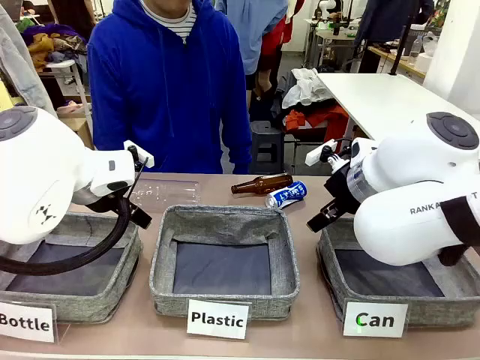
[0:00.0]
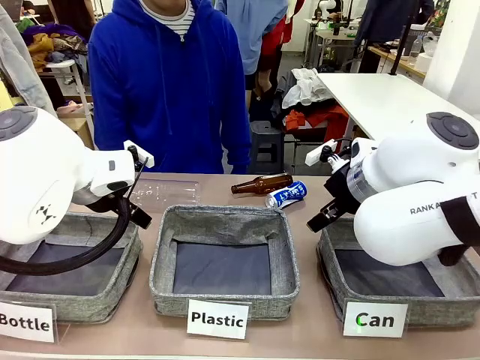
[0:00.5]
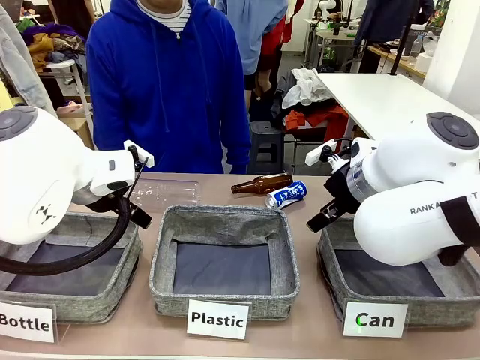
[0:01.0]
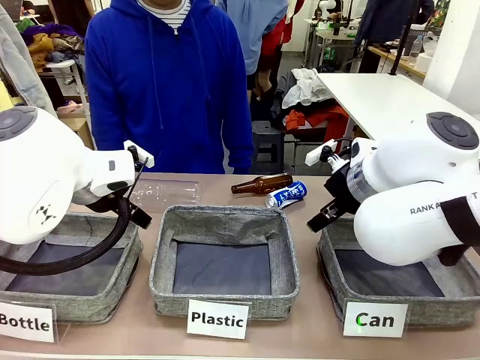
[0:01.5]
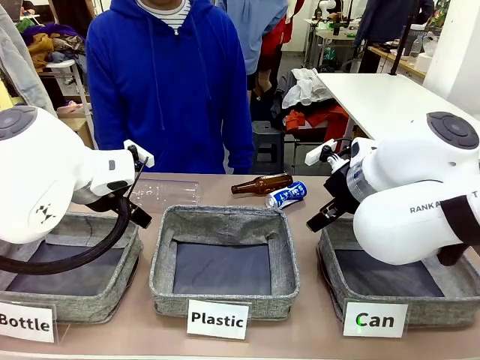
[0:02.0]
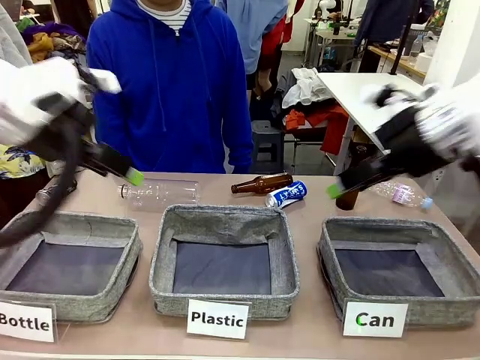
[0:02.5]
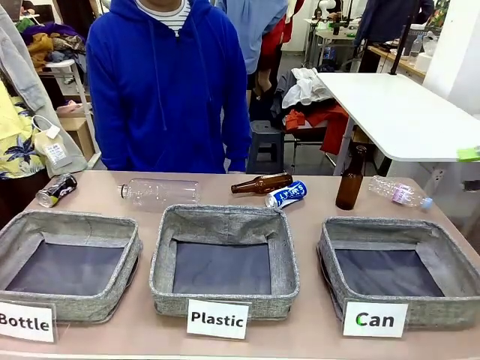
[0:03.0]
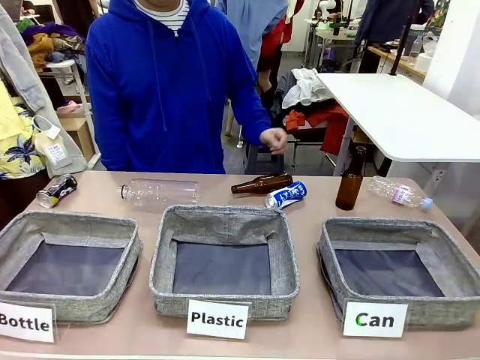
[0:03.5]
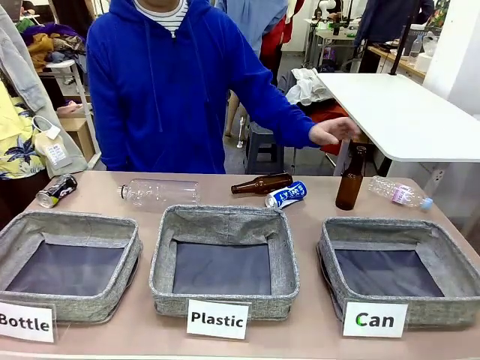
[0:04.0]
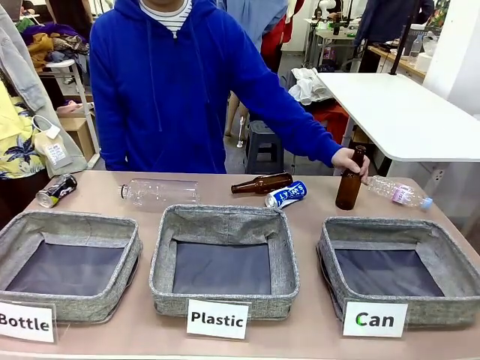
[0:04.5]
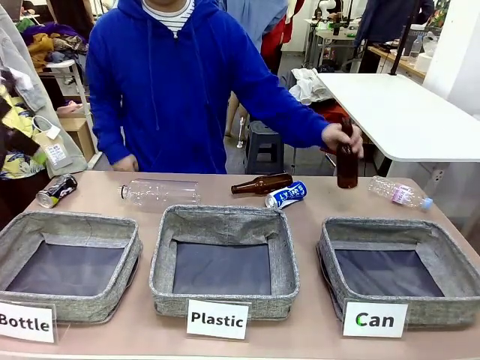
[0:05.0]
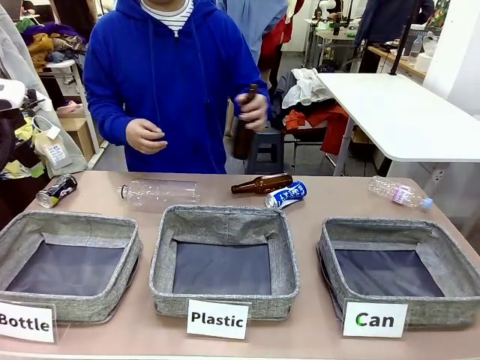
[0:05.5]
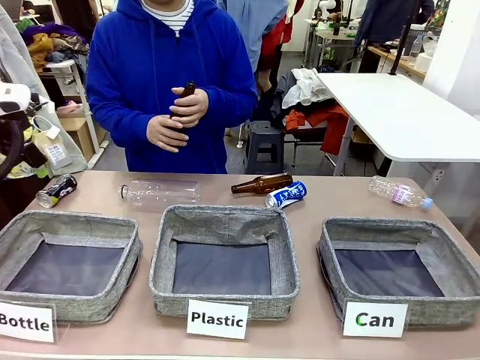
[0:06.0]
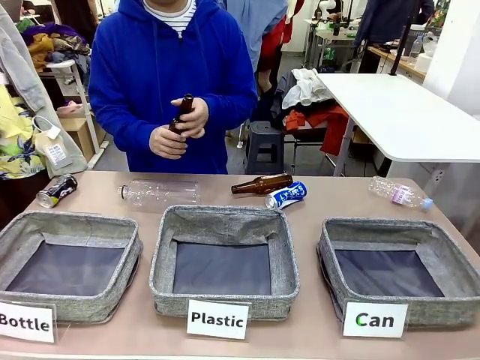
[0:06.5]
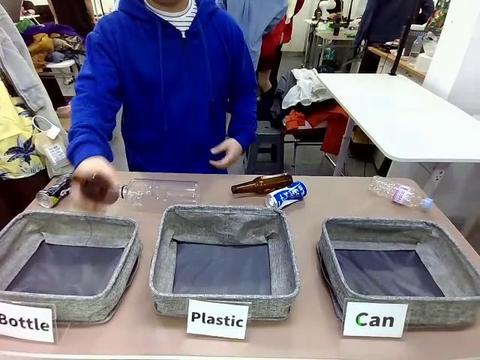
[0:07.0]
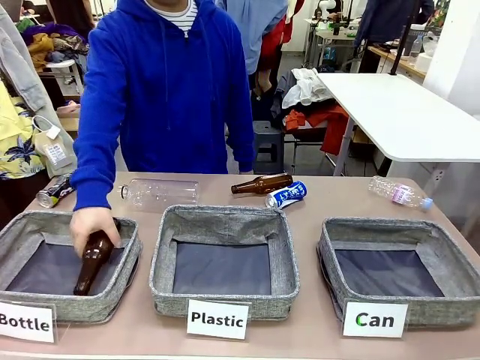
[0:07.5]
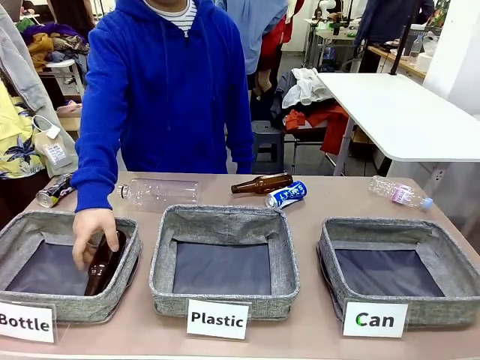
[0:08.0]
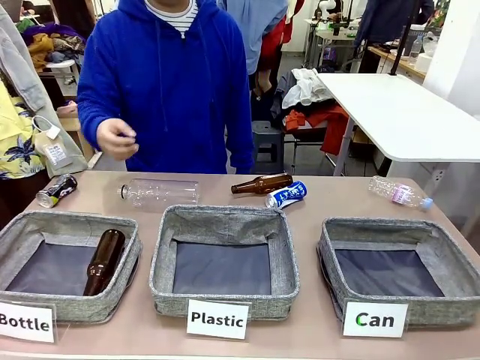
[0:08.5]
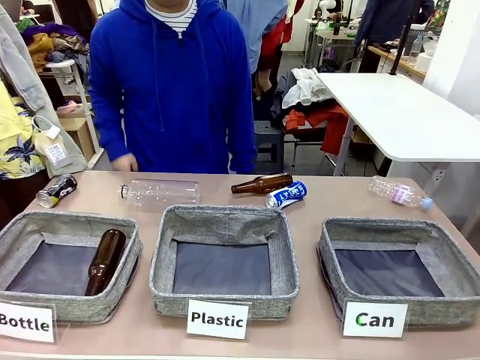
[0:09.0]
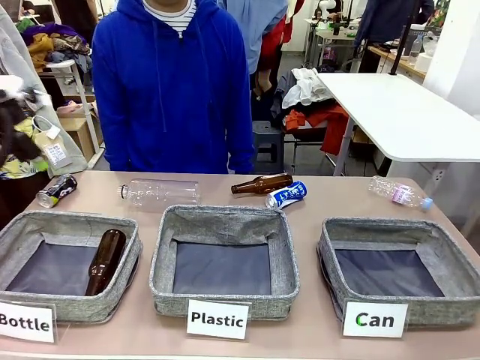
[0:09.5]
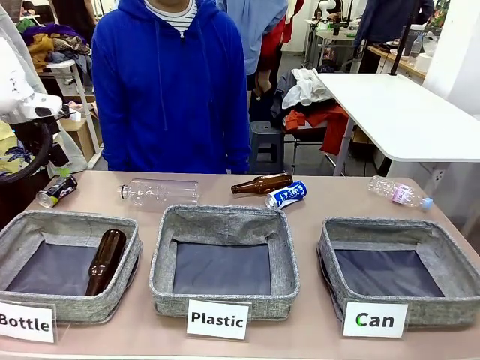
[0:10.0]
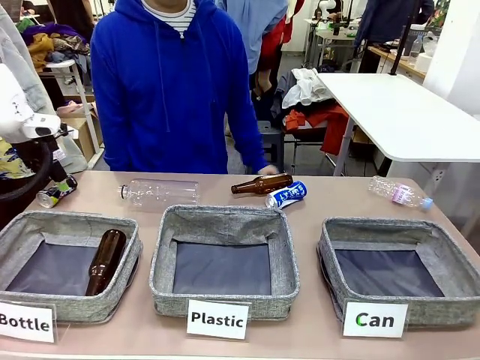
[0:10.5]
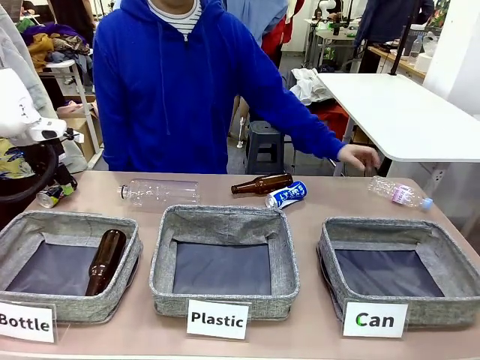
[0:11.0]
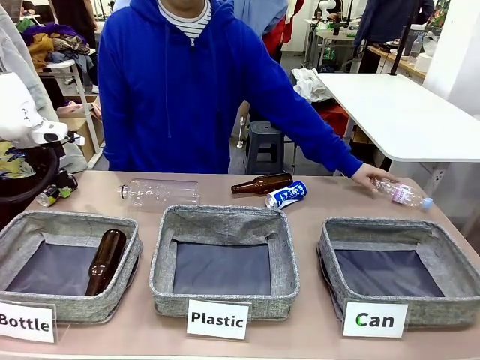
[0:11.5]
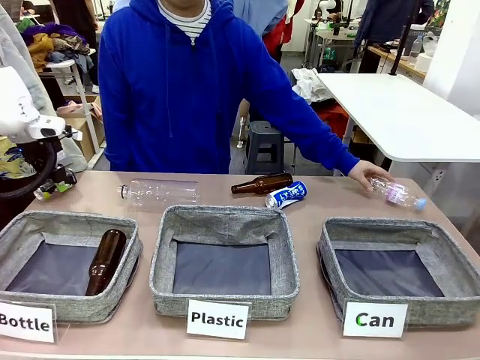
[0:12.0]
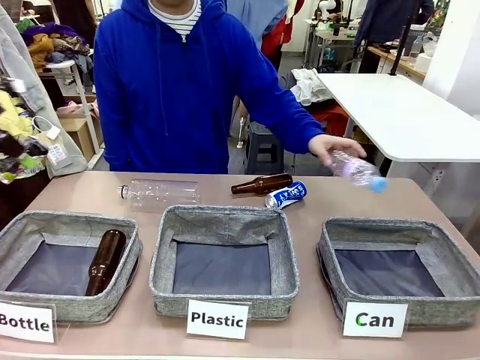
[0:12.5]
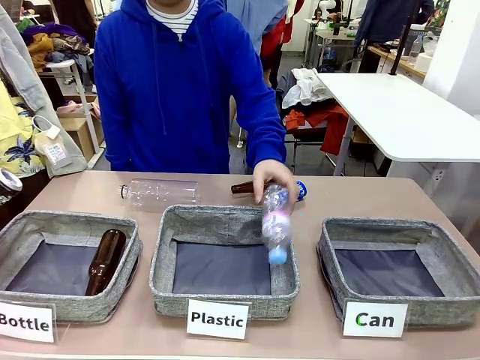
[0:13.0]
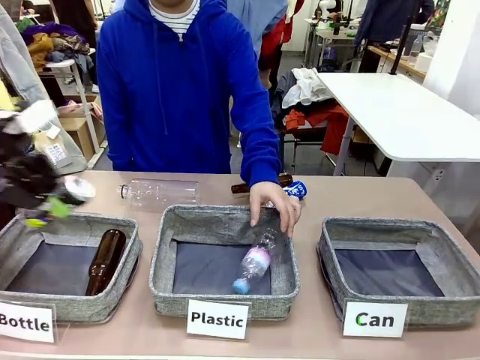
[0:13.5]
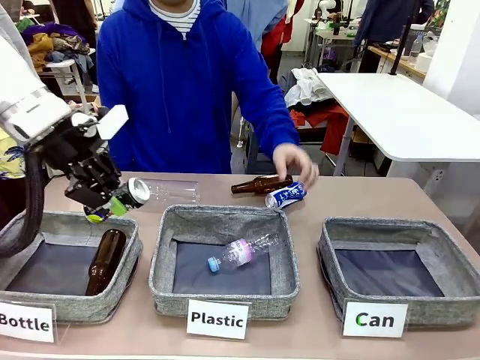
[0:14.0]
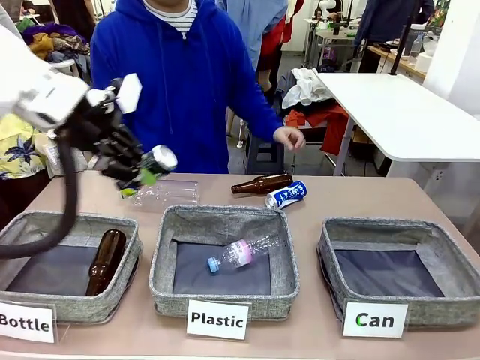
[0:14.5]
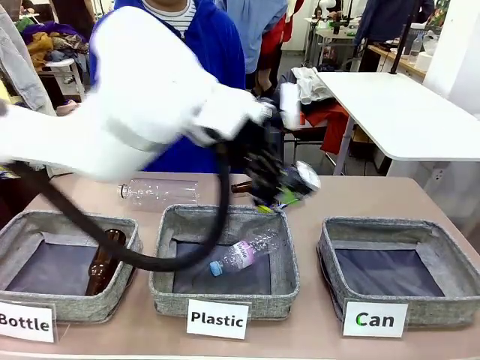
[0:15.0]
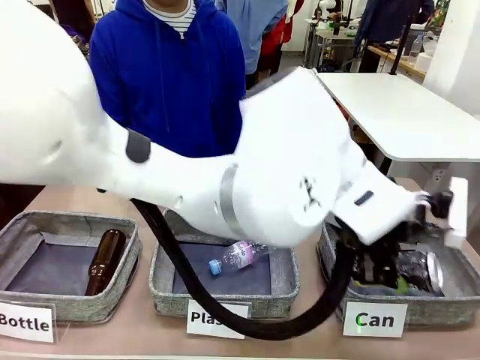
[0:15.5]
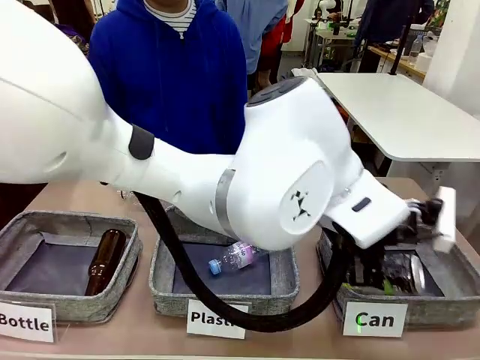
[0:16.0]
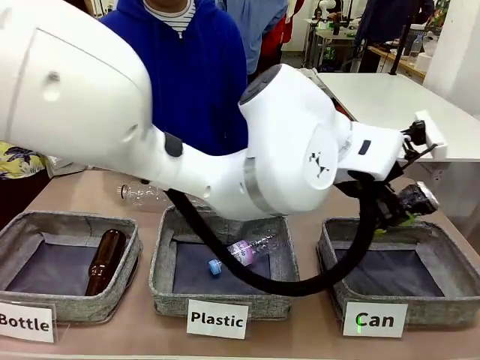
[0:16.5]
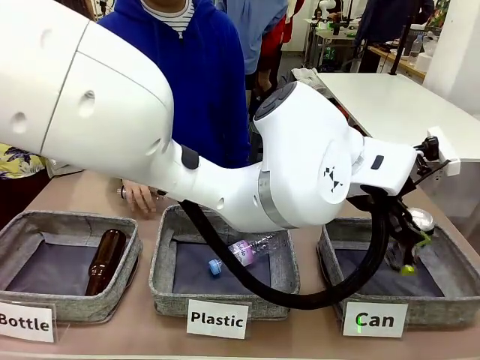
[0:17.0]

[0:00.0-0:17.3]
Task: Sort the can waste into the basket.
Robot: Pick up the can waste from the table and place it in the right Fabric basket.
